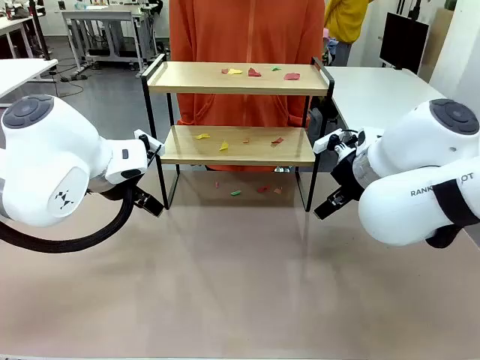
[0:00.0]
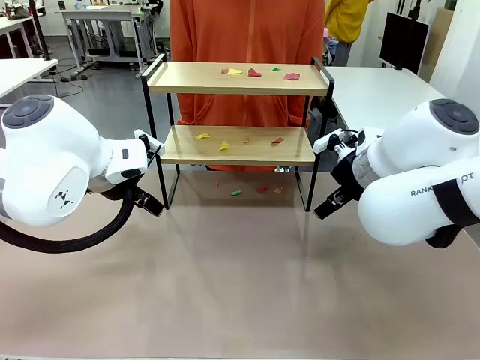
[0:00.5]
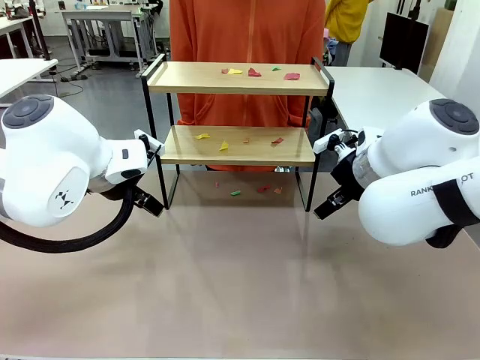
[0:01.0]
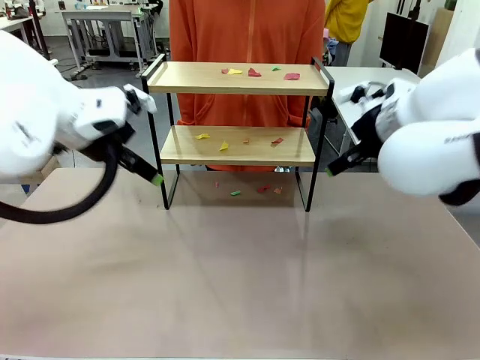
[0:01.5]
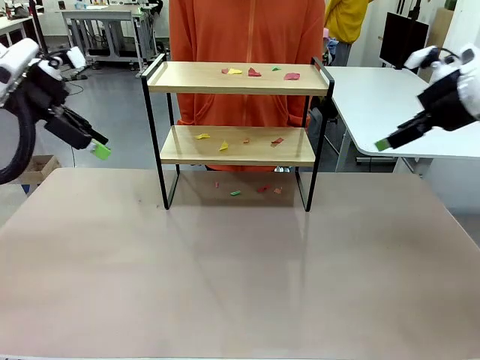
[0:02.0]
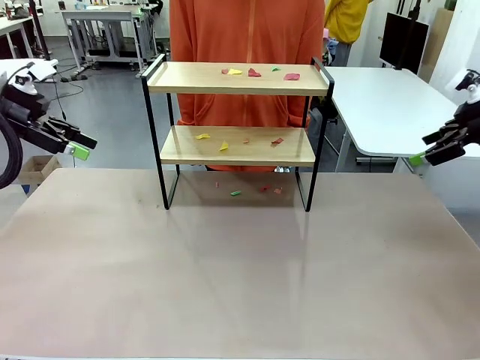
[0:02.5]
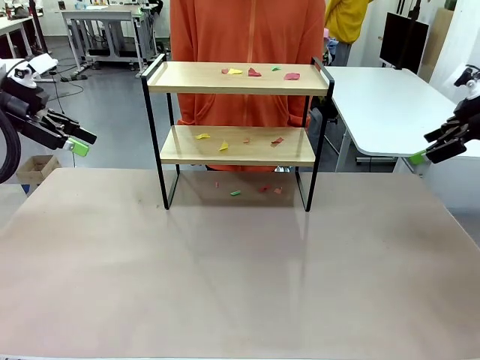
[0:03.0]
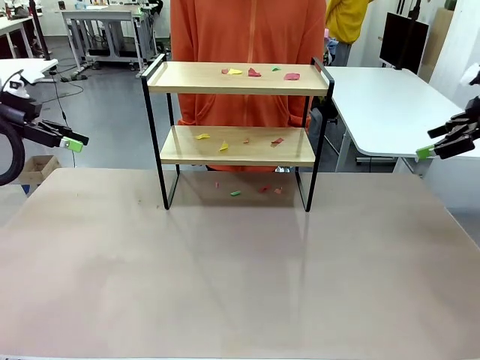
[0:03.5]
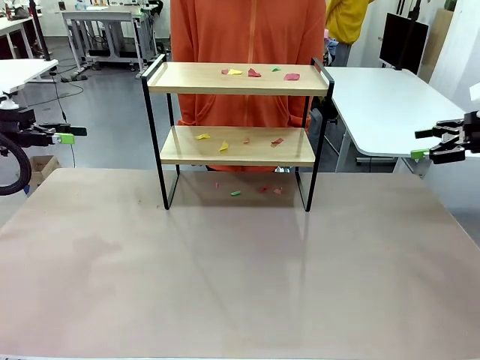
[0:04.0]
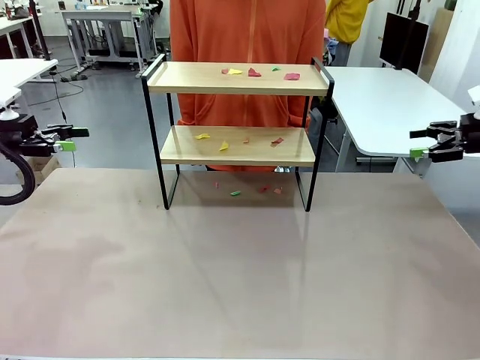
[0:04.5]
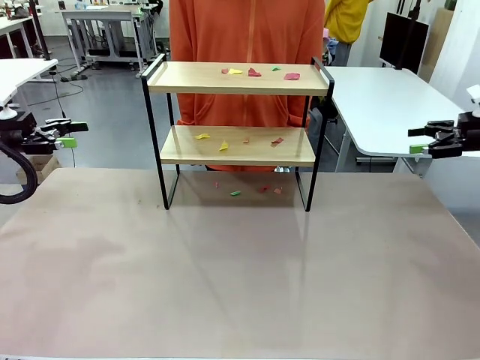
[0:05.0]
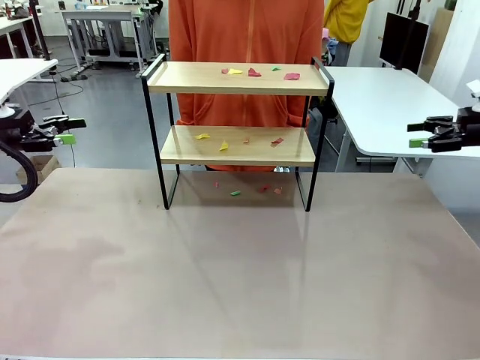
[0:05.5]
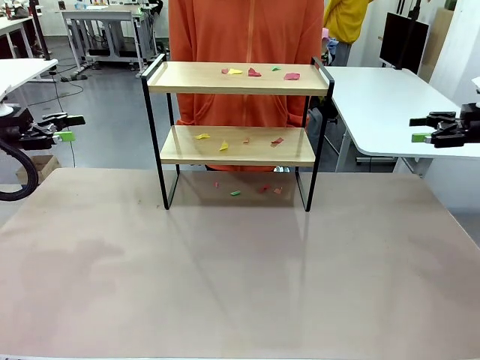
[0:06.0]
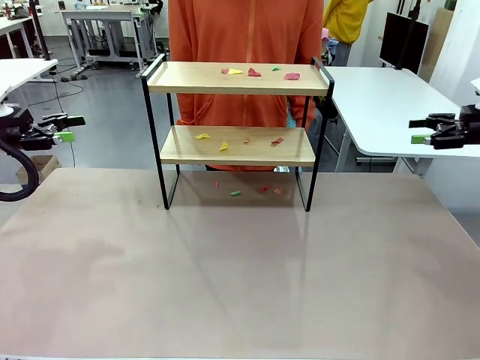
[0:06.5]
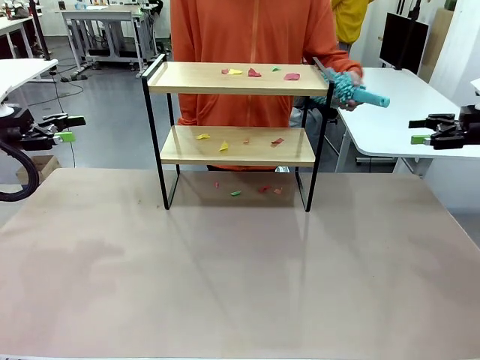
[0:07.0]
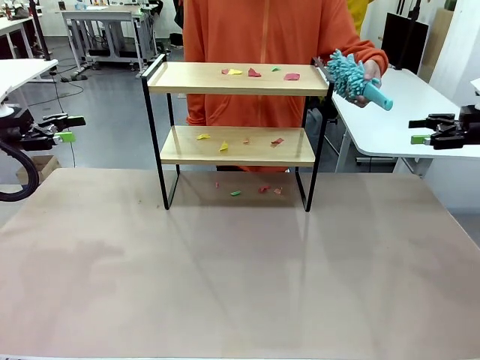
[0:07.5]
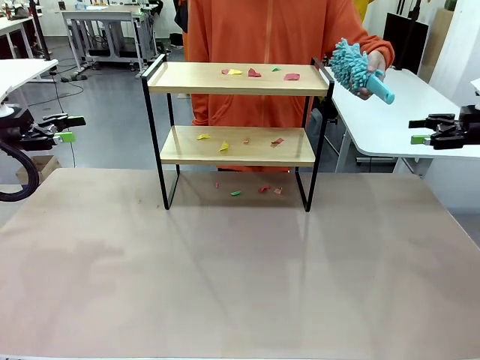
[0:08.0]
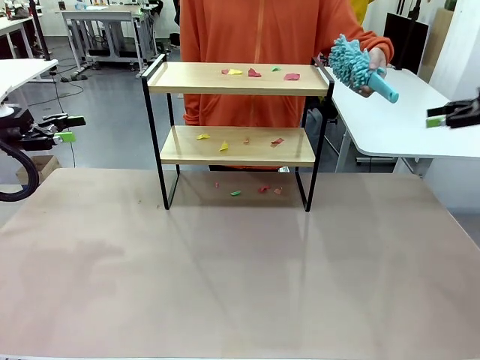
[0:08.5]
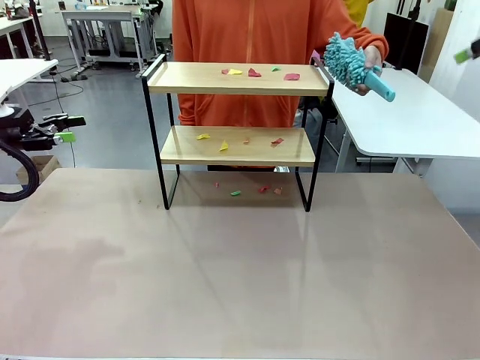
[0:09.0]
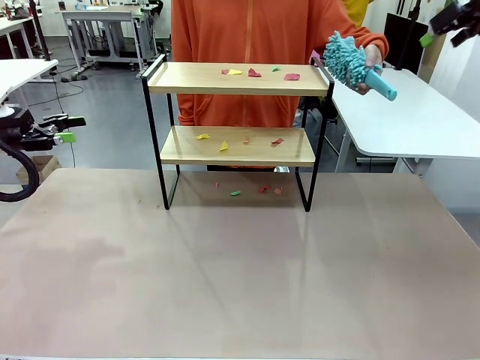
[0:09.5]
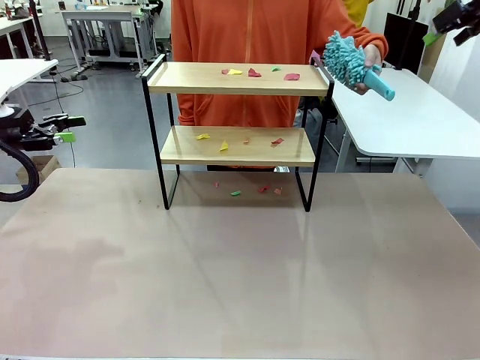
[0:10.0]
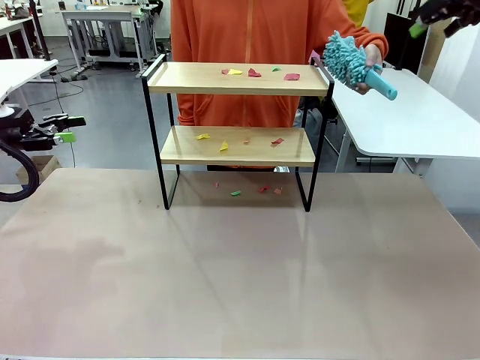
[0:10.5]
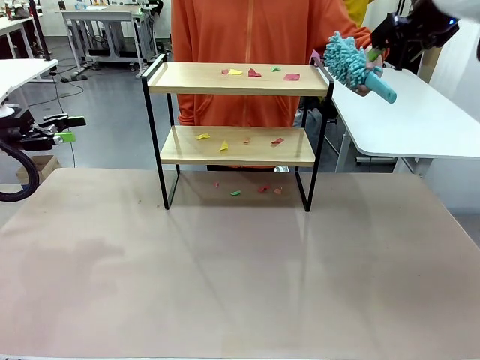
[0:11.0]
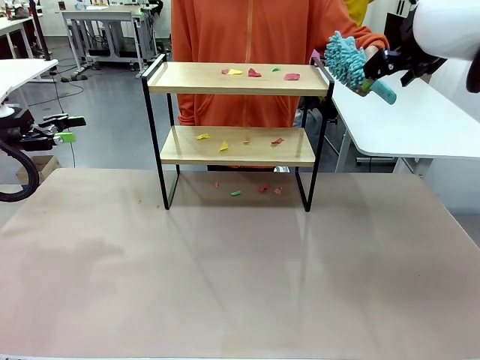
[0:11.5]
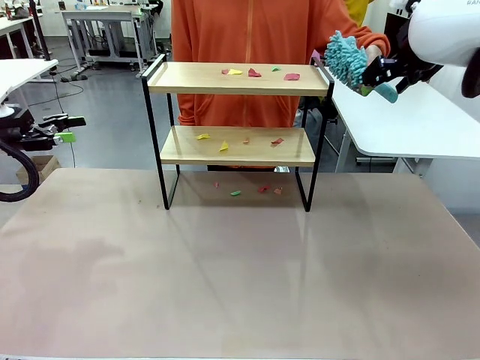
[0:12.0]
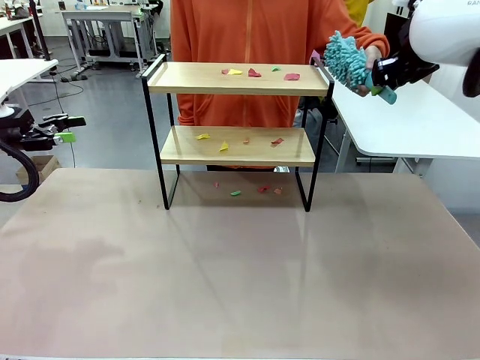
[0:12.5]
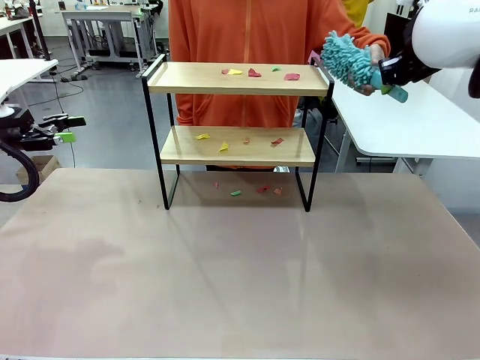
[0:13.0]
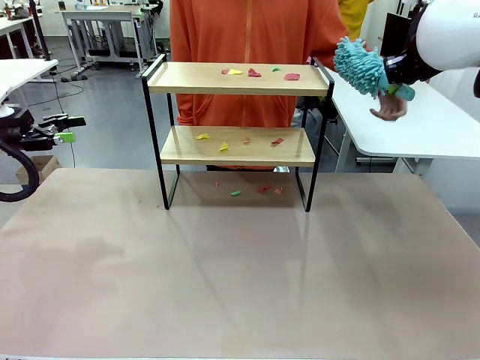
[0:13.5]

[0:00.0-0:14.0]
Task: Clean the shelf.
Robot: Pick up the Duster handed by the human.
Person: Hand the Duster to the robot.

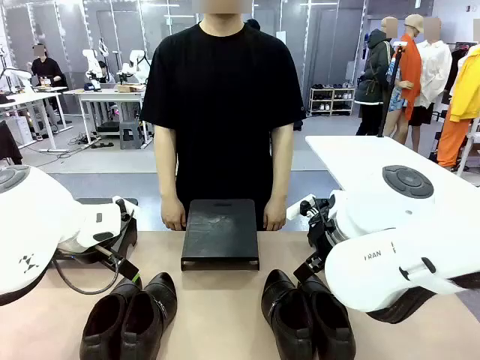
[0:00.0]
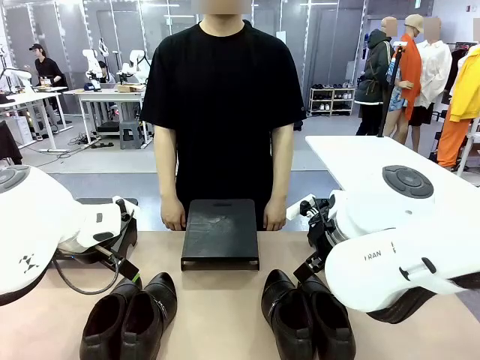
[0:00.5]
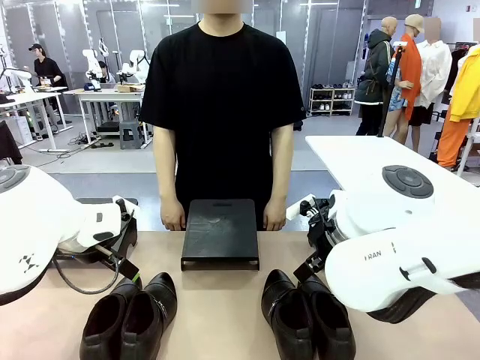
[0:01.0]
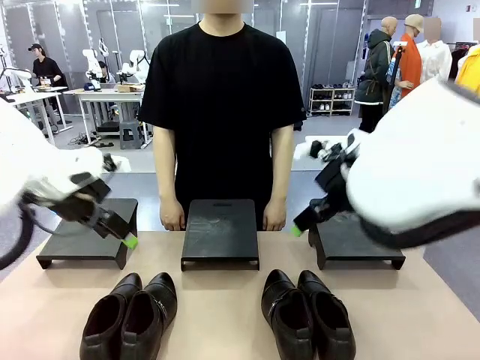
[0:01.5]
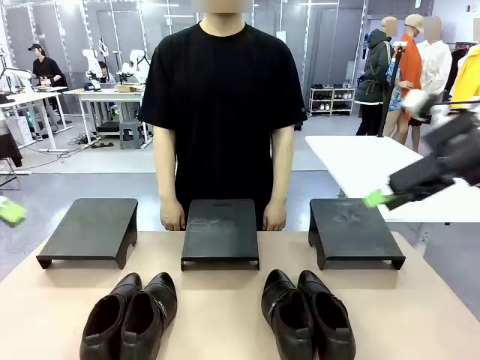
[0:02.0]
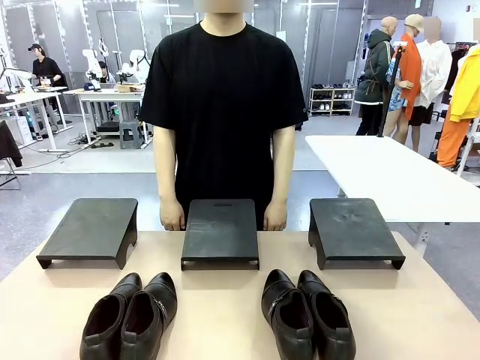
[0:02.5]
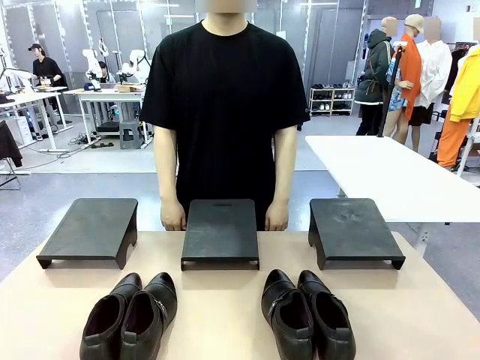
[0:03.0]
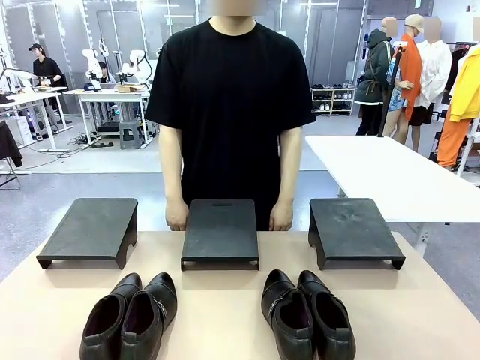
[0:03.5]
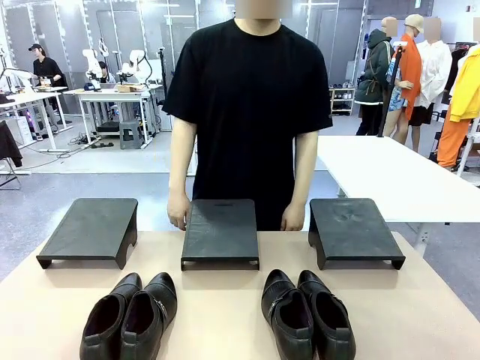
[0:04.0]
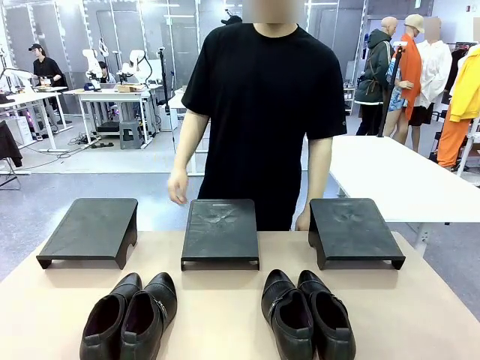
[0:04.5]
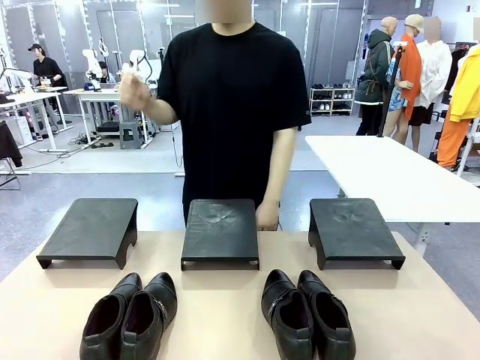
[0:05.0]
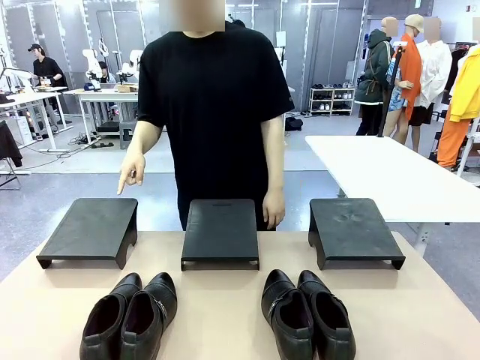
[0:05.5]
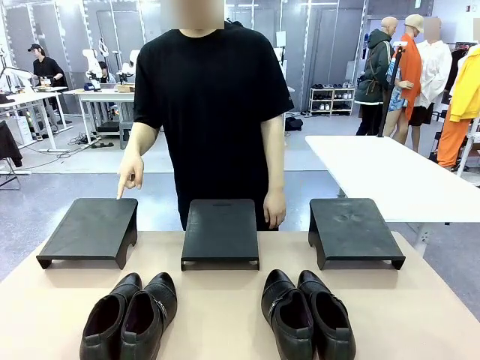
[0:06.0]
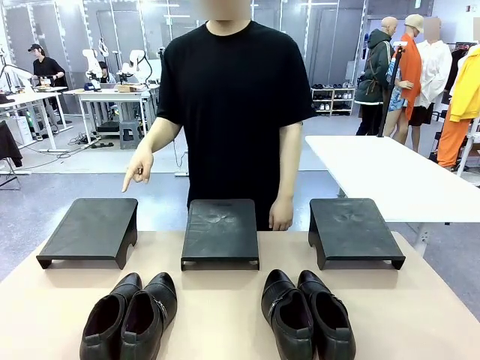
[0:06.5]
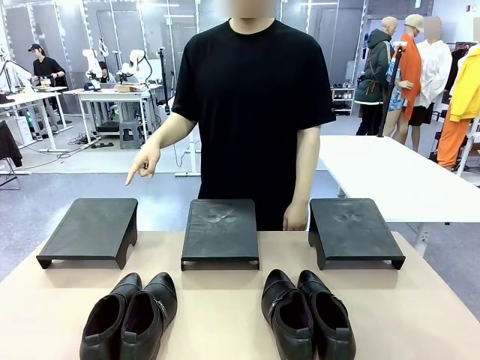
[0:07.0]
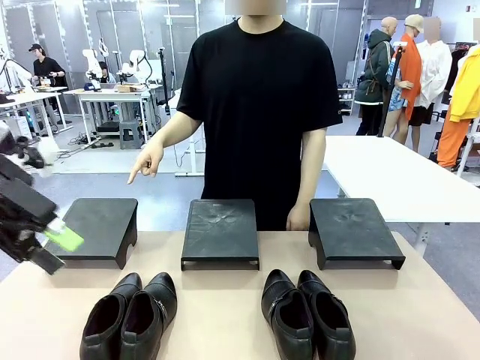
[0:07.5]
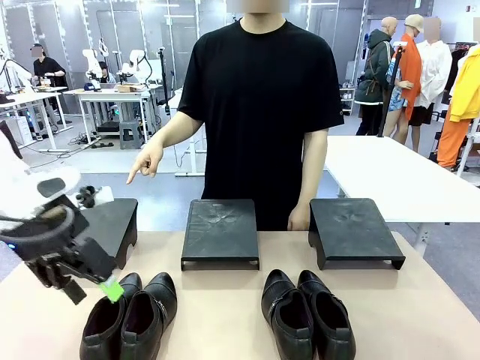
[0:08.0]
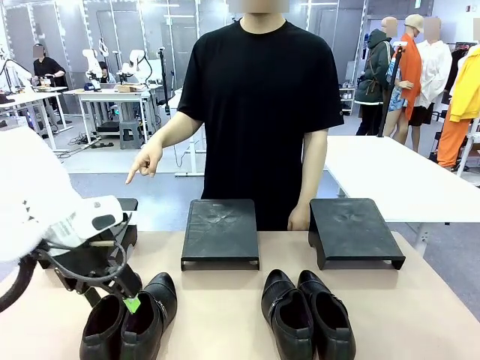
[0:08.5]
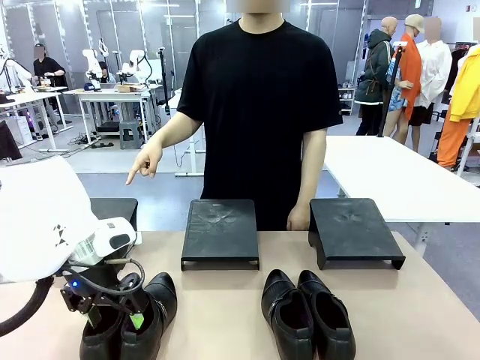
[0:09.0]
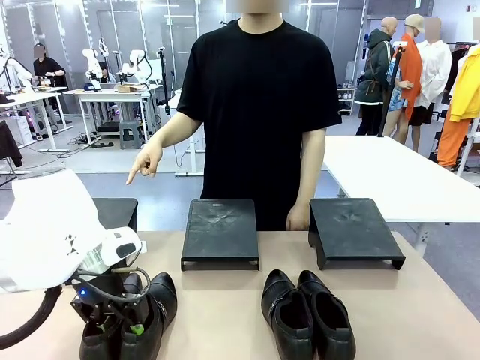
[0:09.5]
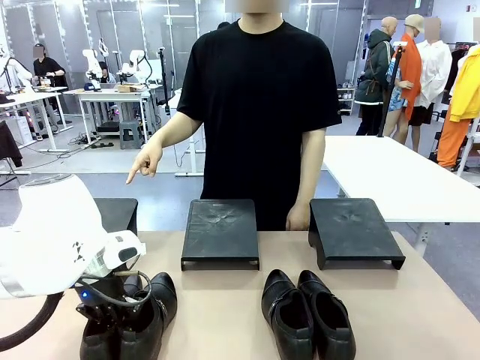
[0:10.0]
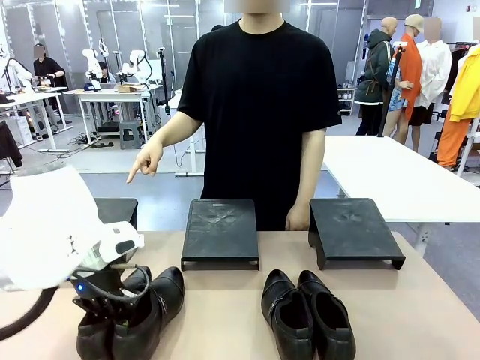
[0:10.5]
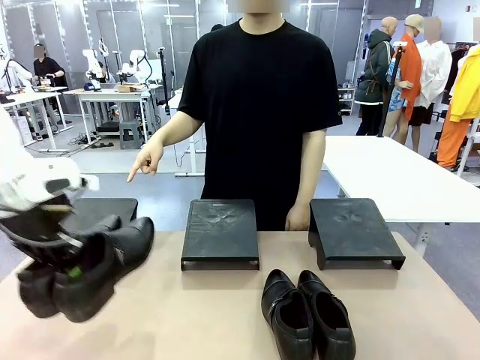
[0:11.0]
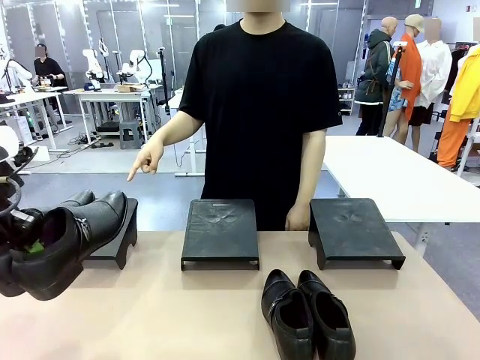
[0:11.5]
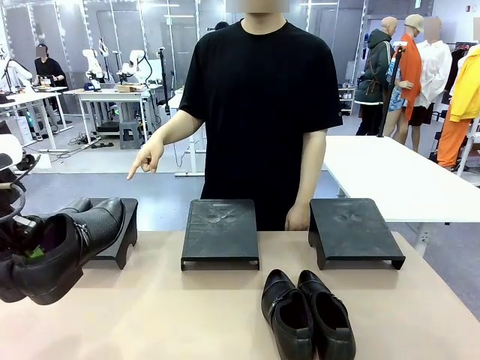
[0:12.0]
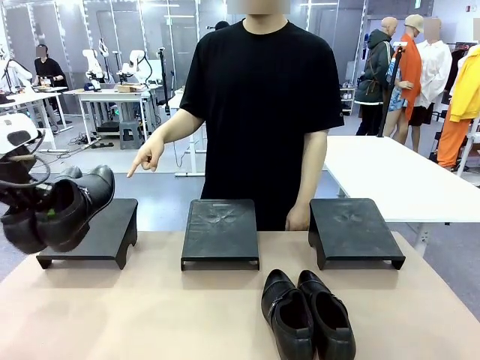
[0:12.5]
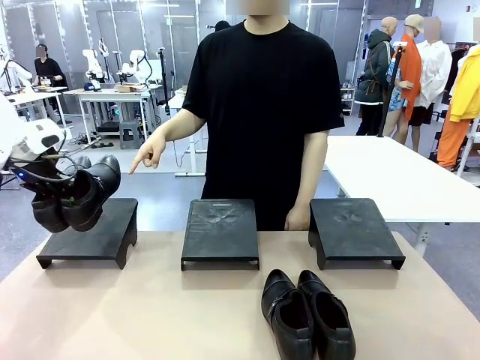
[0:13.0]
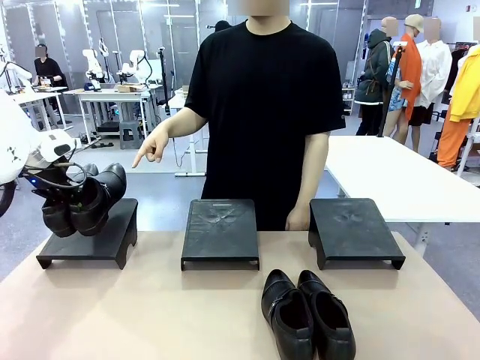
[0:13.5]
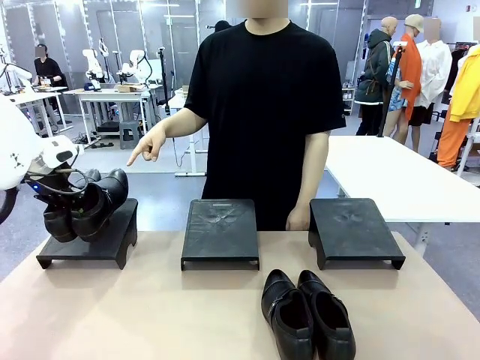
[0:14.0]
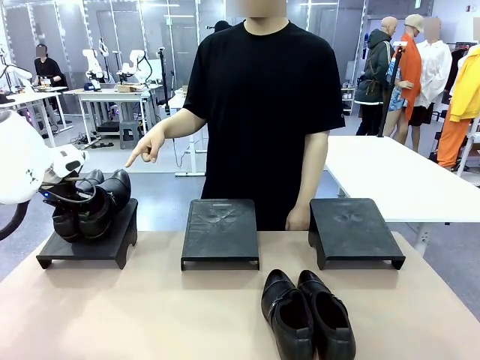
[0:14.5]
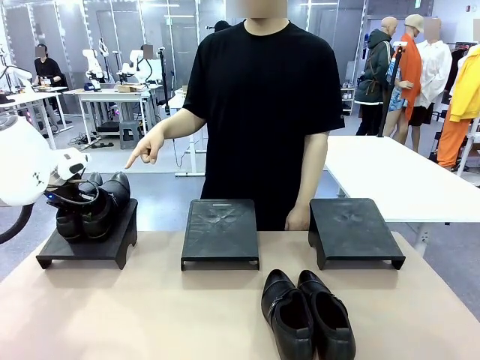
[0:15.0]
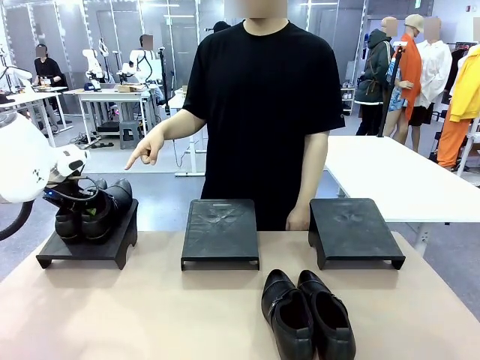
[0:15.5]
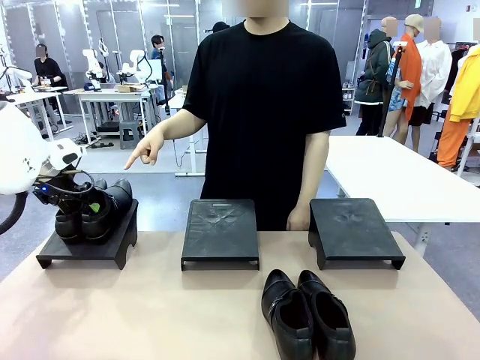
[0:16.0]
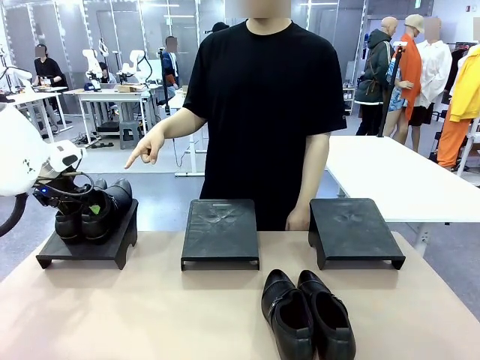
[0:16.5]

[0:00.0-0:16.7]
Task: Place the shoes on the stand as instructed by the person.
Robot: Pick up one pair of Shoes and place it on the Shoes Stand indicated by the person.
